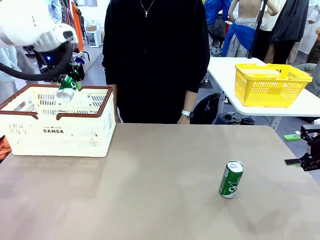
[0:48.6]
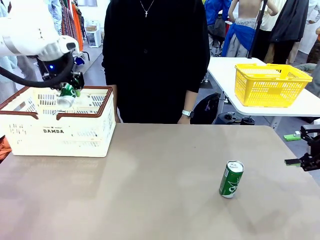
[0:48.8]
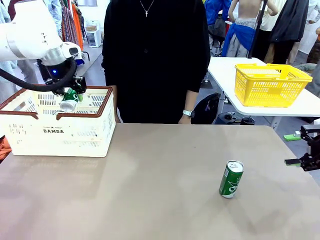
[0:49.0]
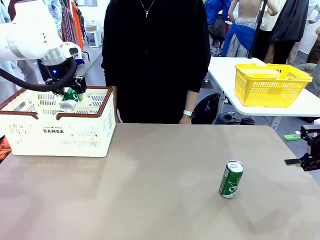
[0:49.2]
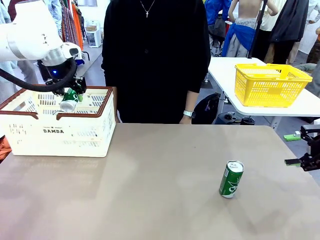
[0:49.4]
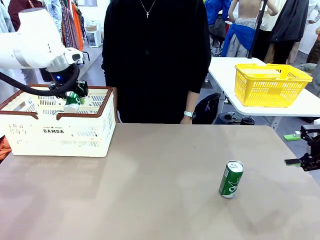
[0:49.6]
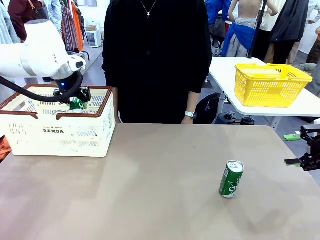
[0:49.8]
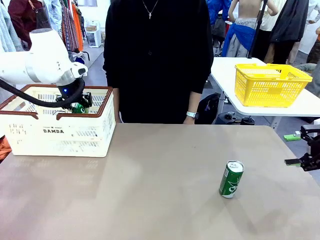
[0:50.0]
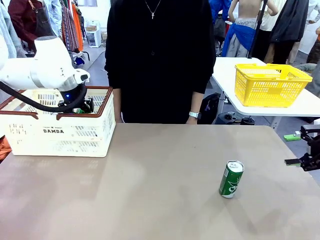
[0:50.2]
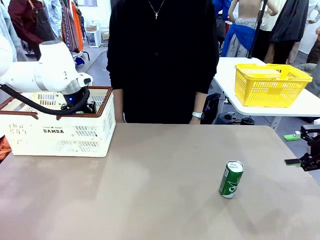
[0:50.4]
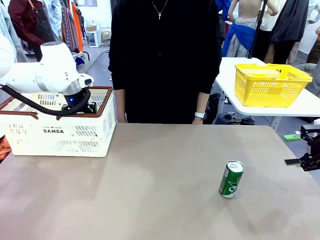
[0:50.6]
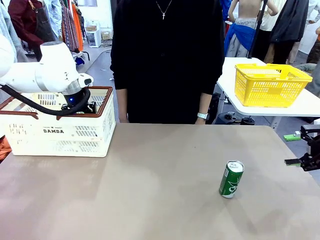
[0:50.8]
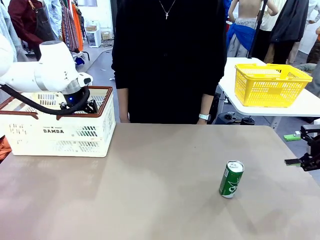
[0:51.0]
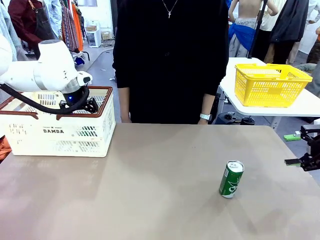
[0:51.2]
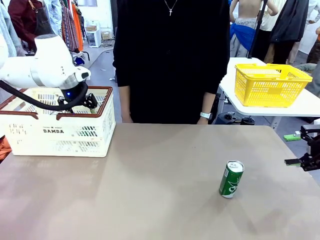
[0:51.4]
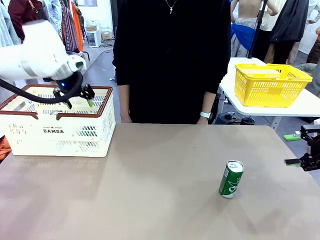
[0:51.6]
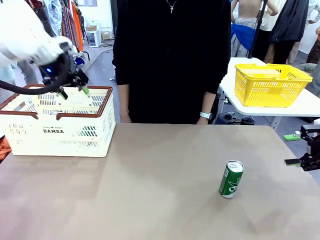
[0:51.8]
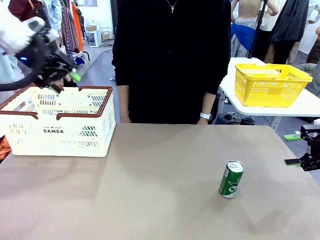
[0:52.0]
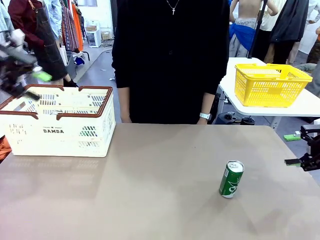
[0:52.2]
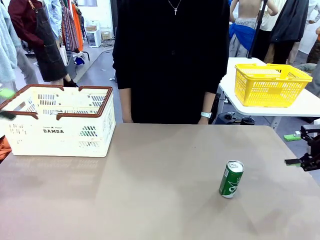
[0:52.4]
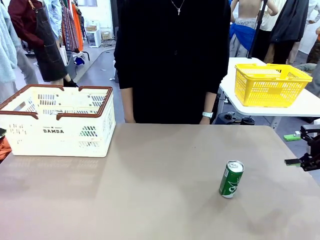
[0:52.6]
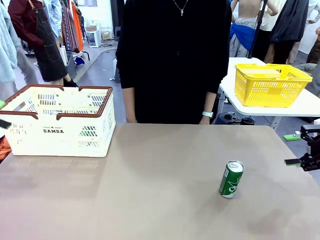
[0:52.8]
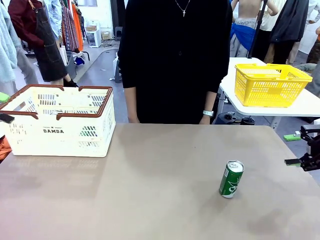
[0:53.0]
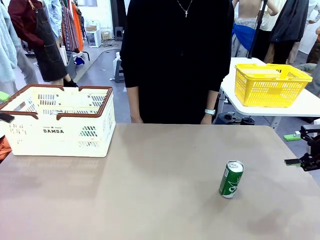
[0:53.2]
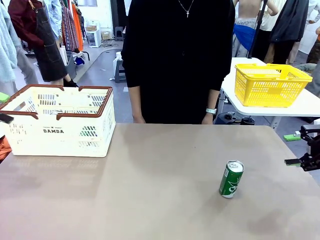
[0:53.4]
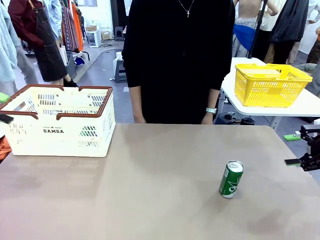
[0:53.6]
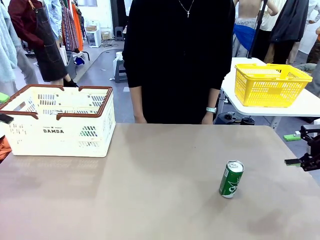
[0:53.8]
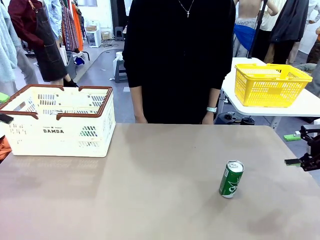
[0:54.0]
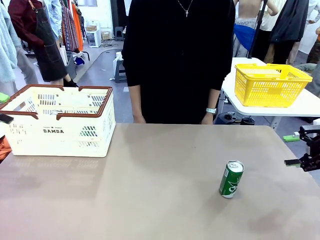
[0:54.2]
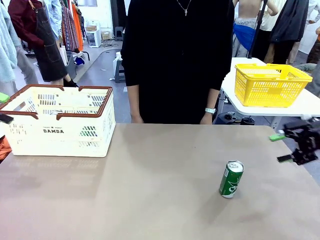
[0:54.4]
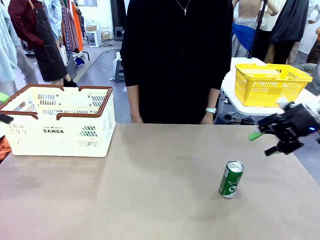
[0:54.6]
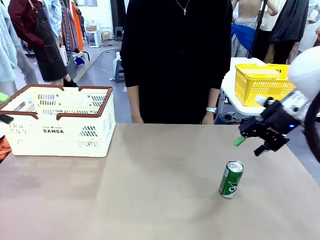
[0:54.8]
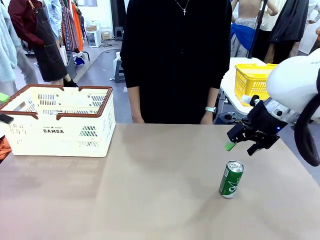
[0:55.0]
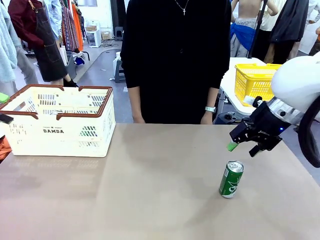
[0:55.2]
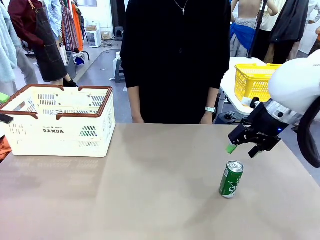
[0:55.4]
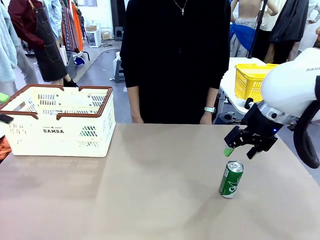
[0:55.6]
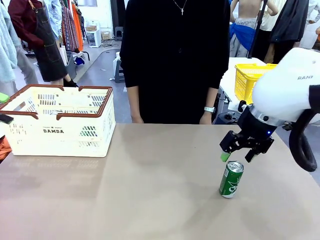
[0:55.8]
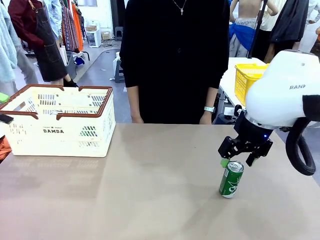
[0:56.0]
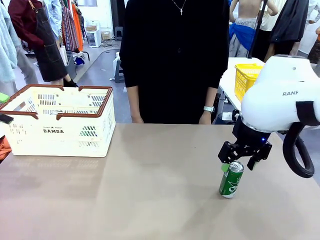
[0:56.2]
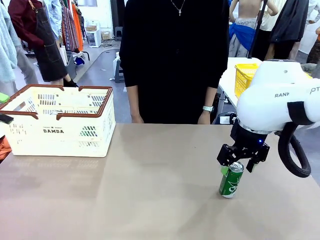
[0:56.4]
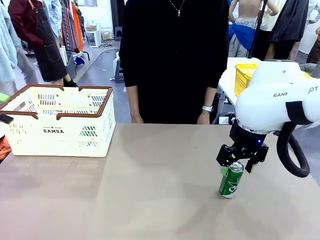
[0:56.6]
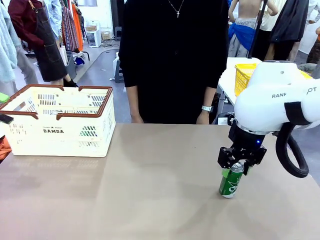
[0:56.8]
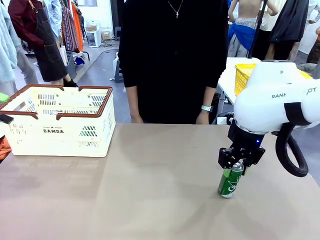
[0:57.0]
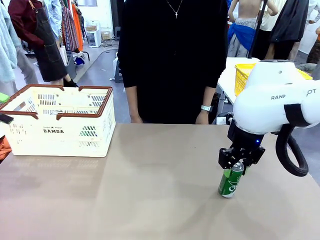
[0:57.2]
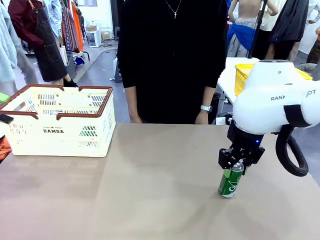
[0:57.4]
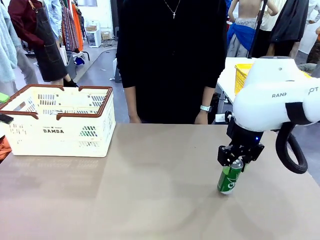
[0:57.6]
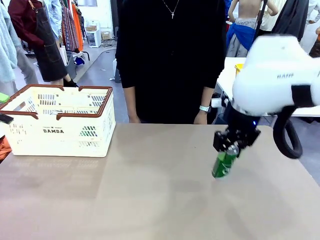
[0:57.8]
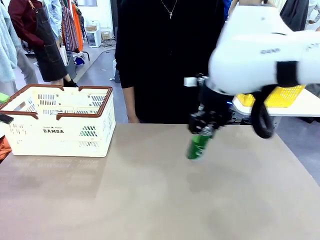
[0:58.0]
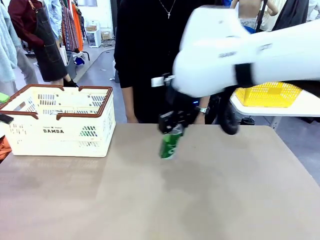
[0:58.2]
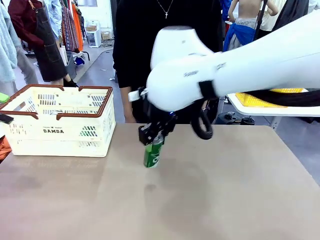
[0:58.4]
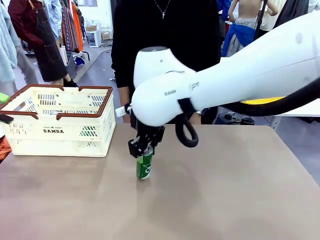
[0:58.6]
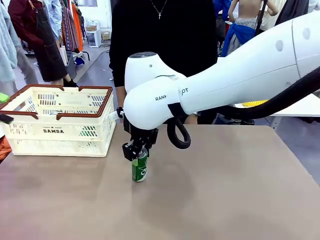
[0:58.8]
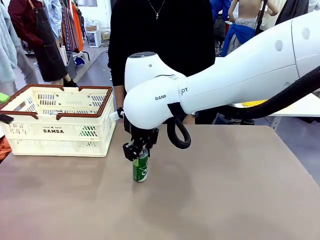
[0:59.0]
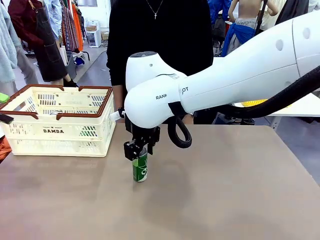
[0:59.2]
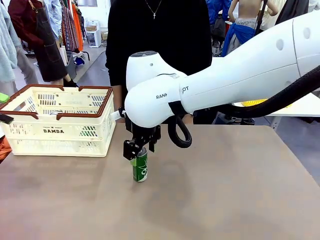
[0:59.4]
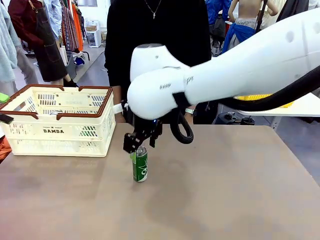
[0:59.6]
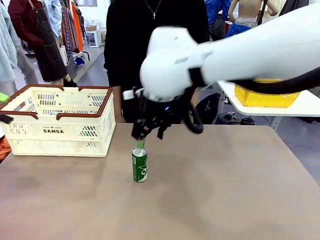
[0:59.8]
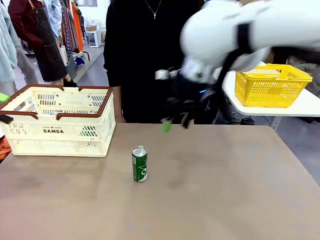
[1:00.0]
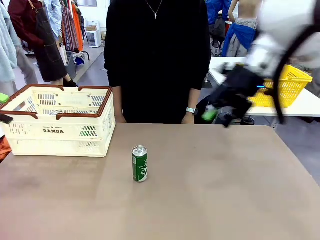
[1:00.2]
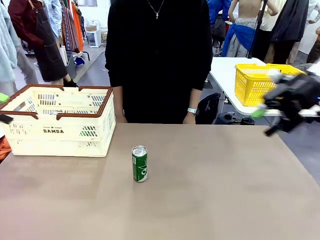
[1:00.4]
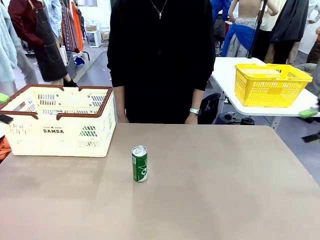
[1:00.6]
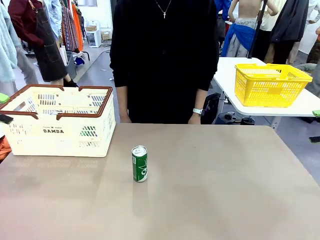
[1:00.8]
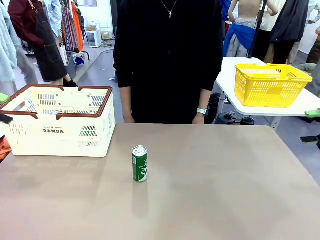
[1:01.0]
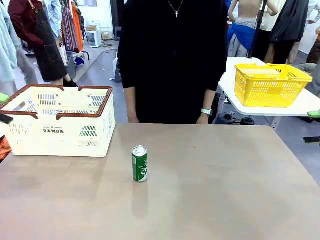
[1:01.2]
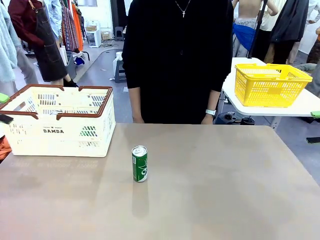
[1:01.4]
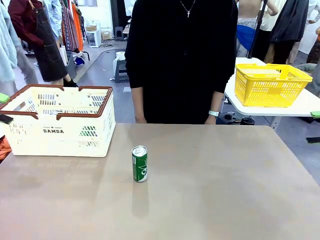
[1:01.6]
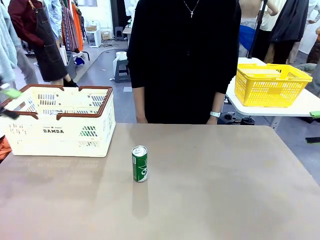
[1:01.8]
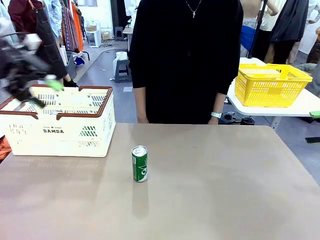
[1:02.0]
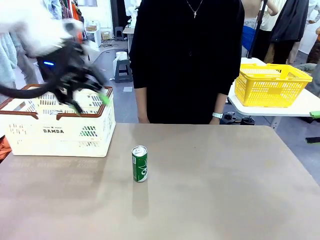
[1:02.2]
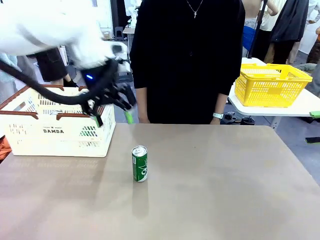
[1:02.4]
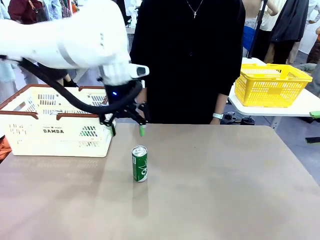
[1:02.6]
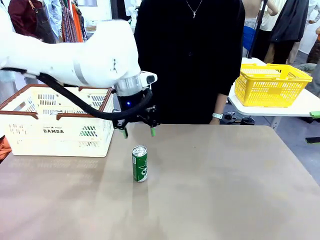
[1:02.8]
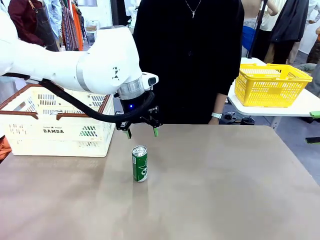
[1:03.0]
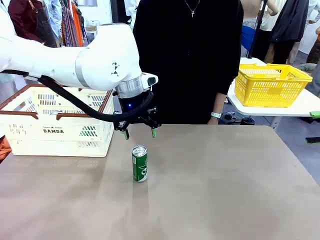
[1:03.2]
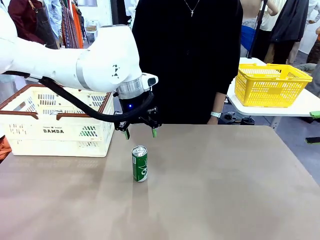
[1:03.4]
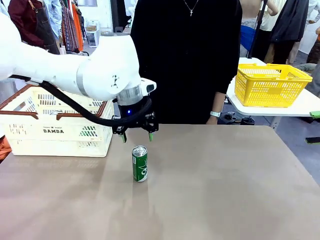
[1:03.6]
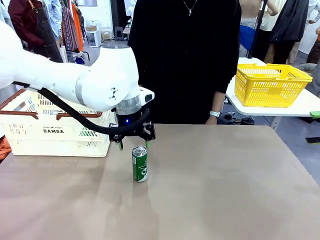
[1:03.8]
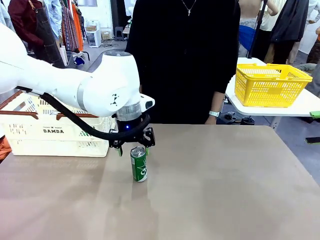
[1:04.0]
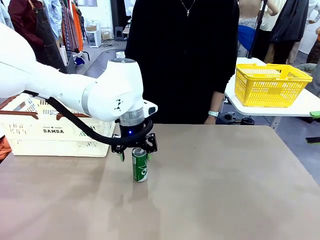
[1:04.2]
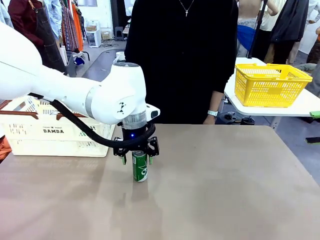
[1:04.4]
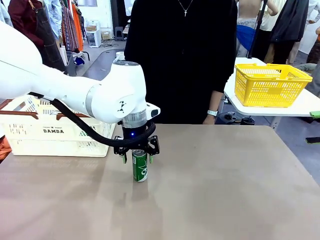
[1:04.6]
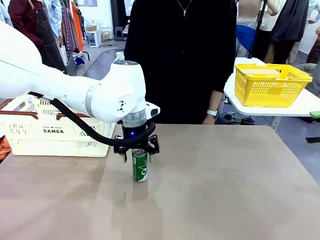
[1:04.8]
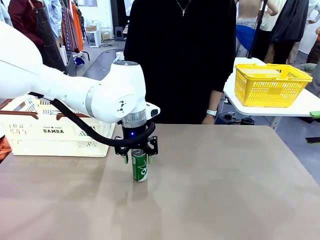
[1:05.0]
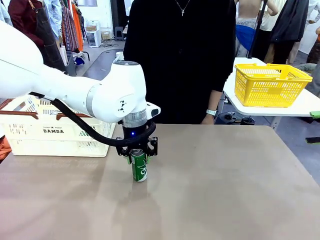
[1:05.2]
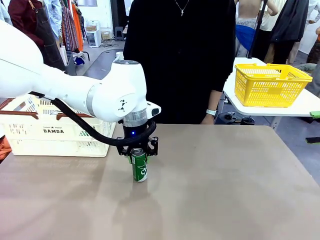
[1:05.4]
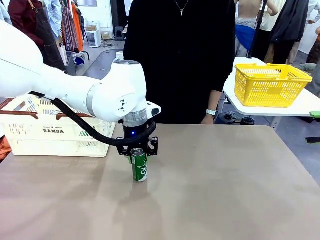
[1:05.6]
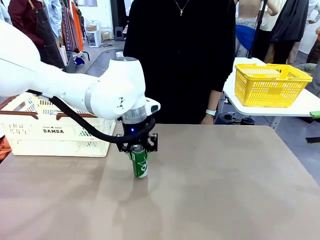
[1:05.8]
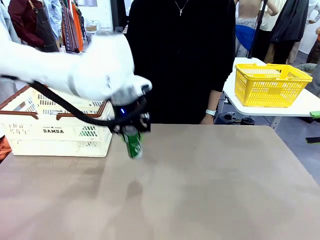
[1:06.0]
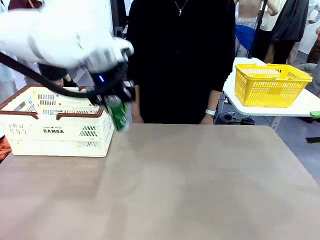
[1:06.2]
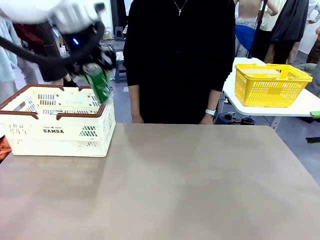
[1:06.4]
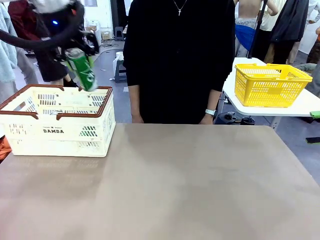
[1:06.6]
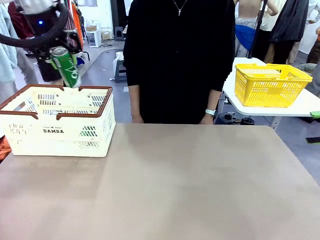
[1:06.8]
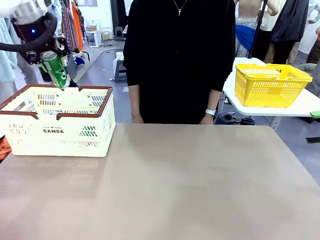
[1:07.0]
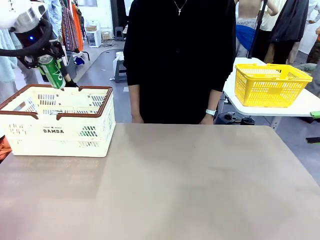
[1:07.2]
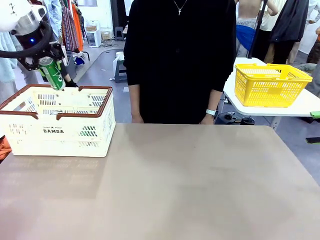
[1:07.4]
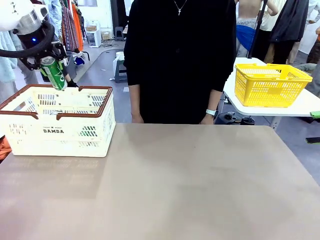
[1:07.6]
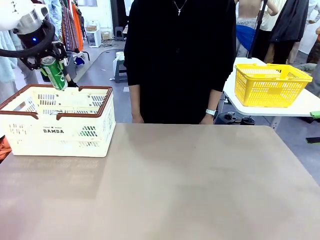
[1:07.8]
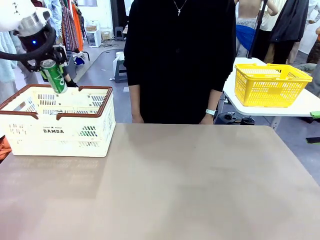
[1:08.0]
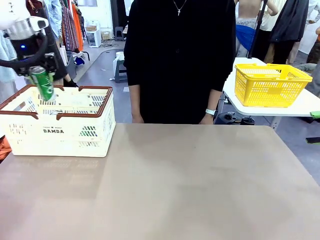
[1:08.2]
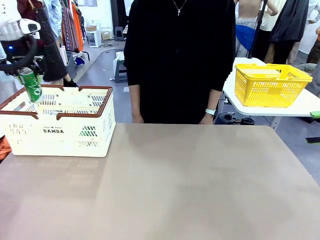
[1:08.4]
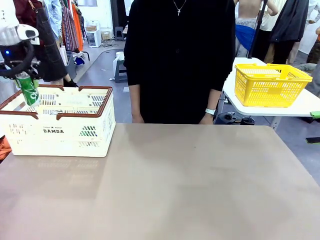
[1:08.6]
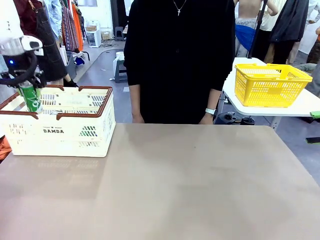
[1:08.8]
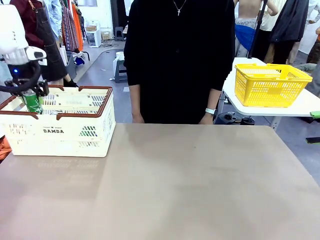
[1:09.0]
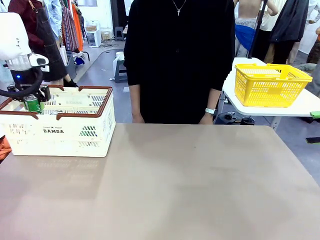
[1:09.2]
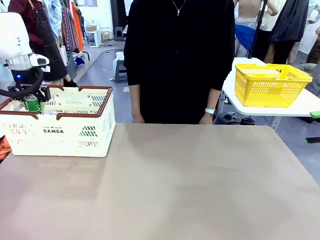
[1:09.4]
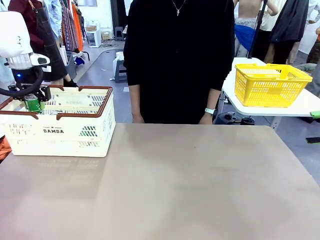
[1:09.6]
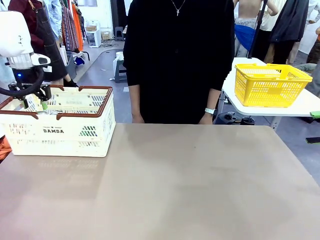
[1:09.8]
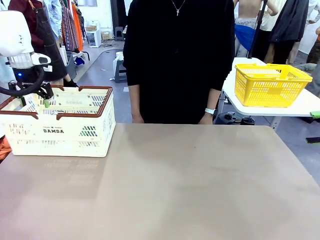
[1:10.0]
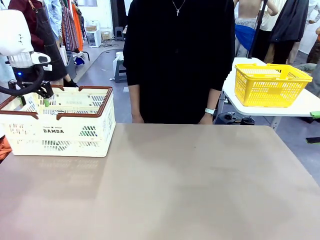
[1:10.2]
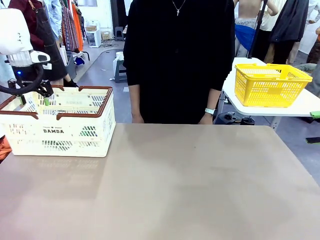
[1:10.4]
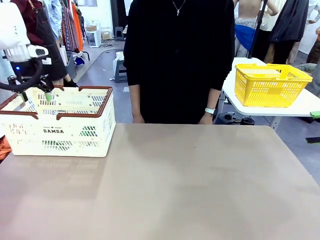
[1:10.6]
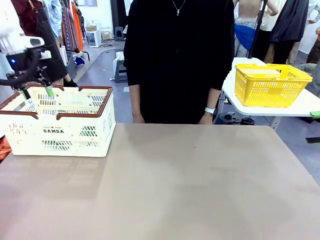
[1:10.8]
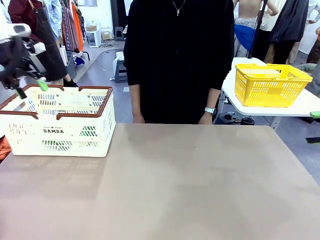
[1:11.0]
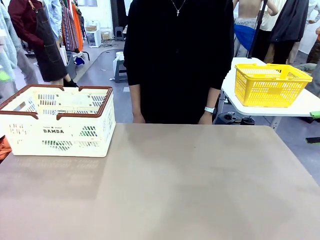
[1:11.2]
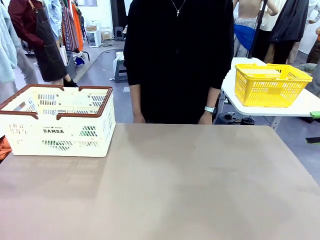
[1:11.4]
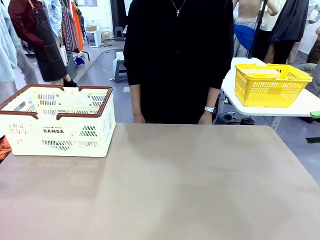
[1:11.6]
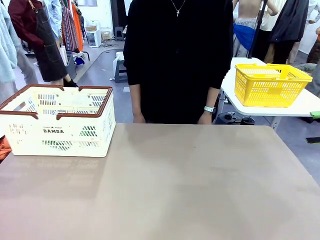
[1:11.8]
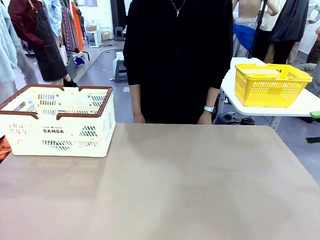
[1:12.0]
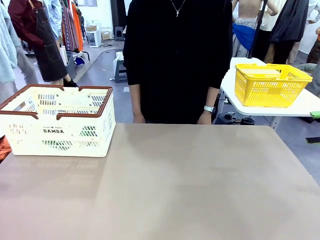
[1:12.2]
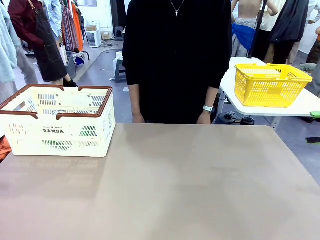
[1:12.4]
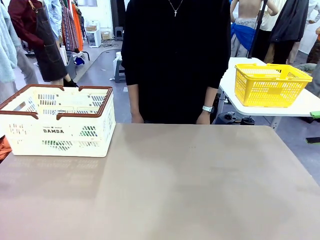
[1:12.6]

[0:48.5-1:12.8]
Task: Place the drinks into the Shopping basket.
Robot: Pick up one drink and place it into the Shopping basket.
